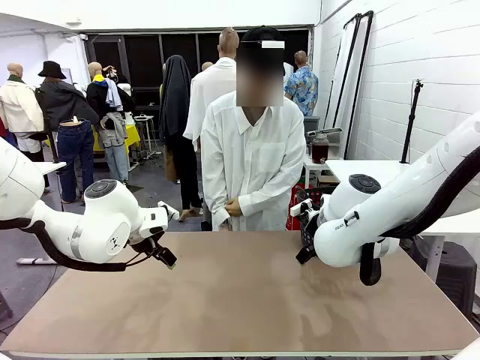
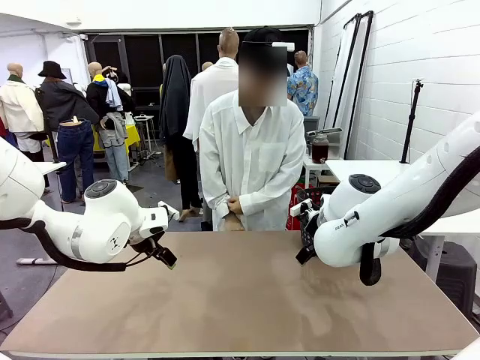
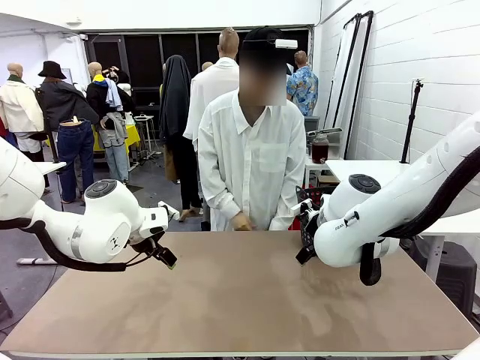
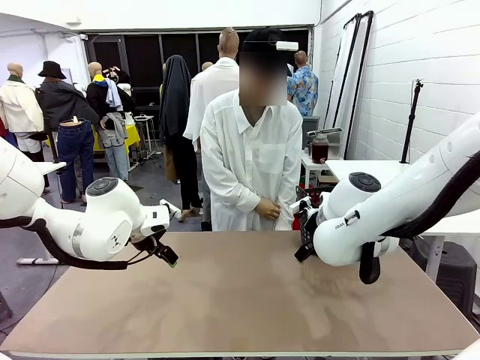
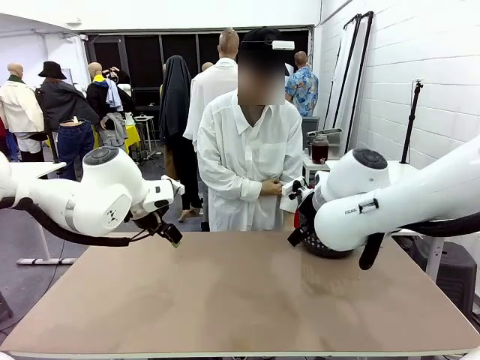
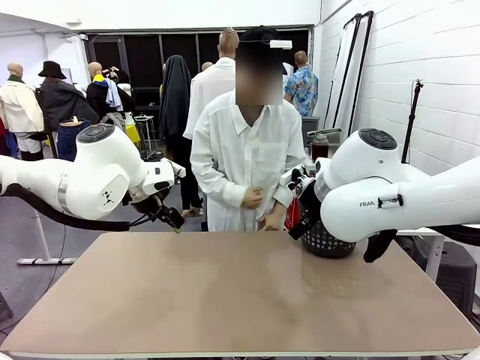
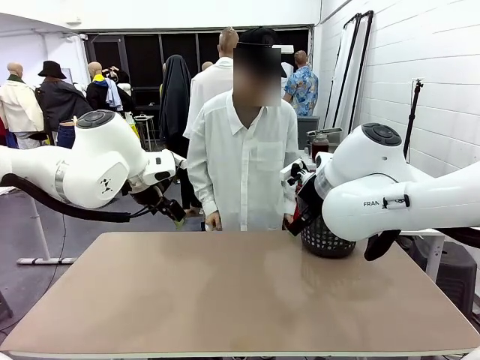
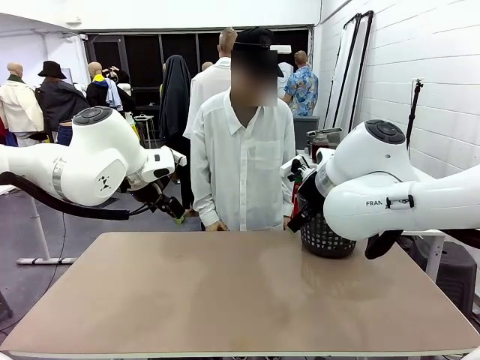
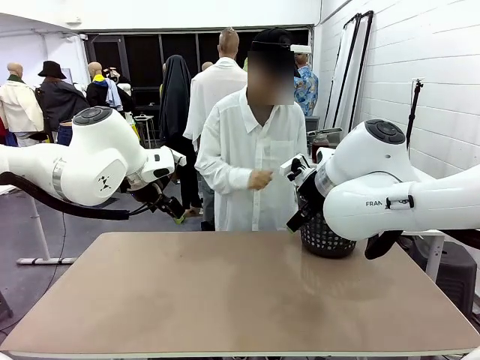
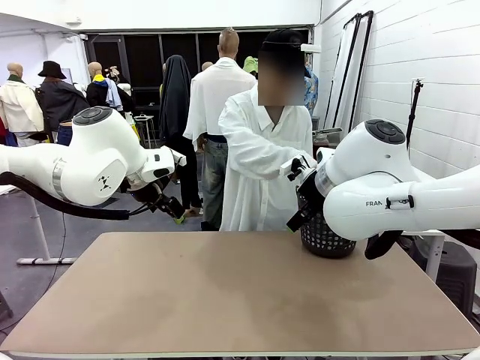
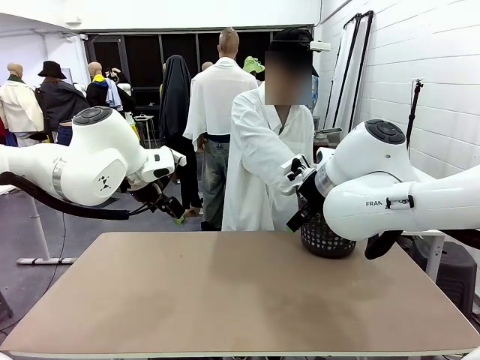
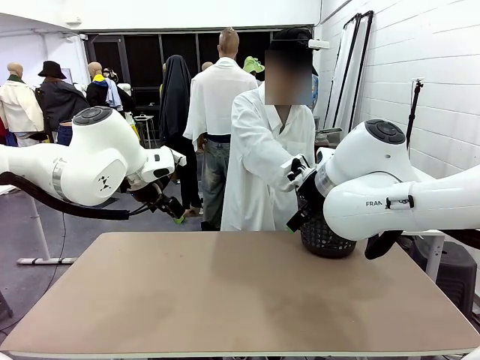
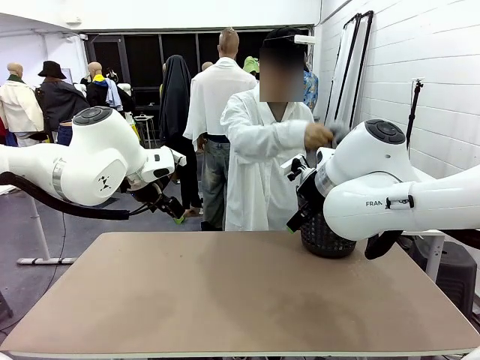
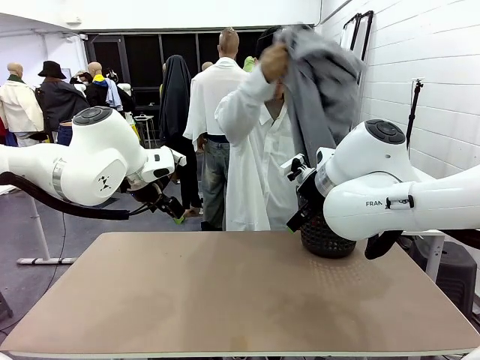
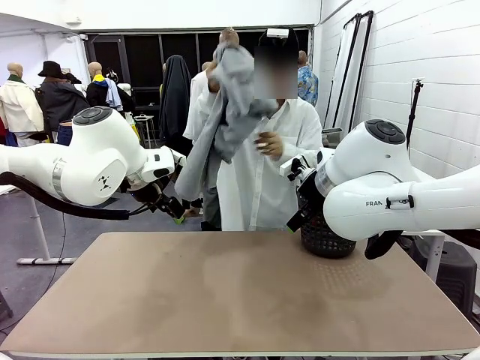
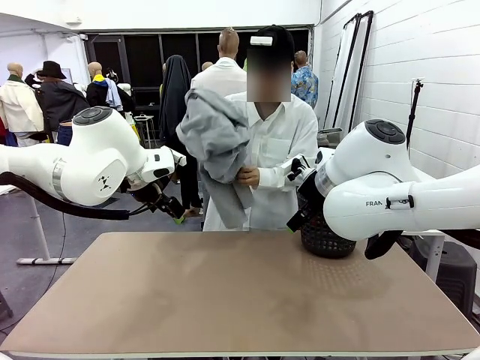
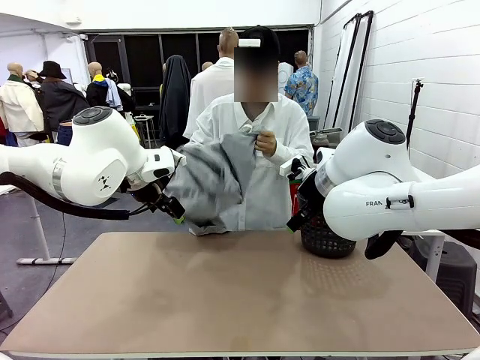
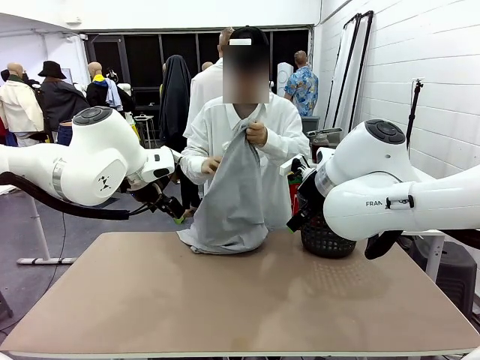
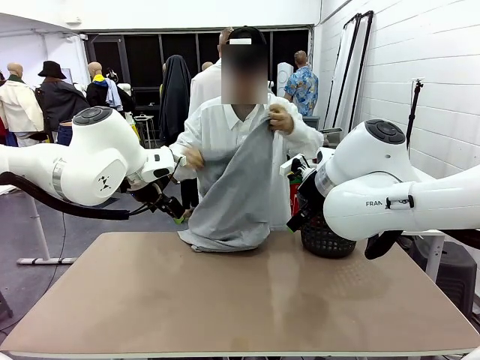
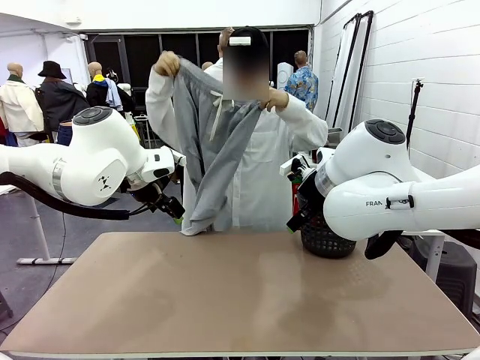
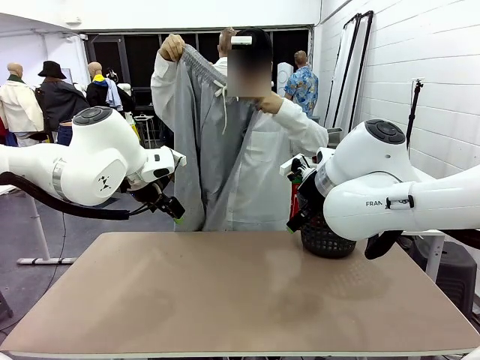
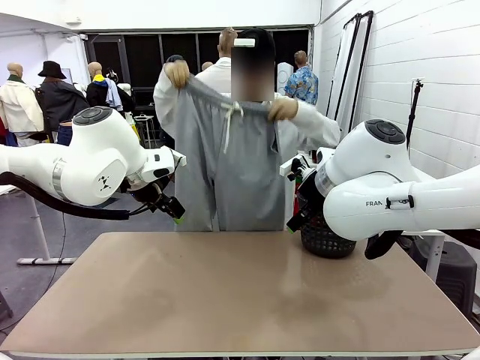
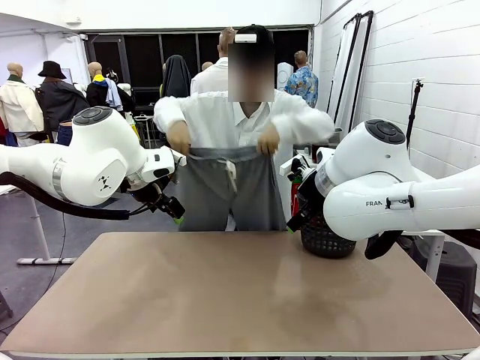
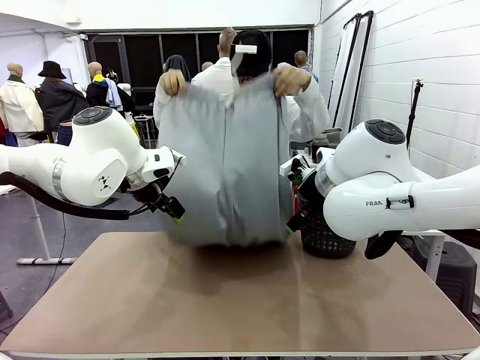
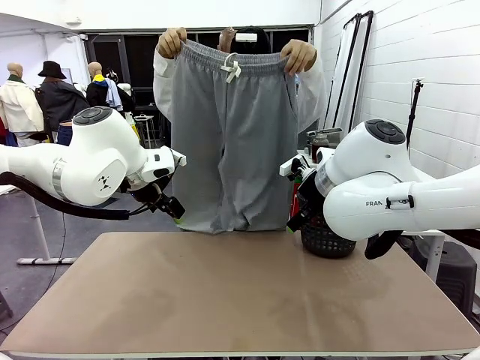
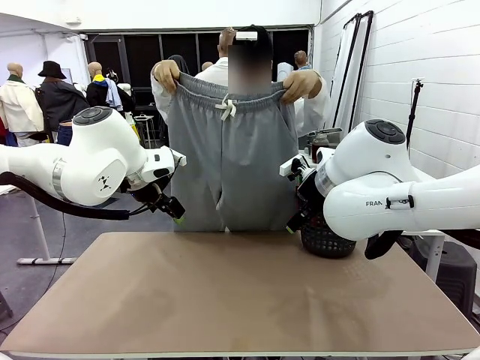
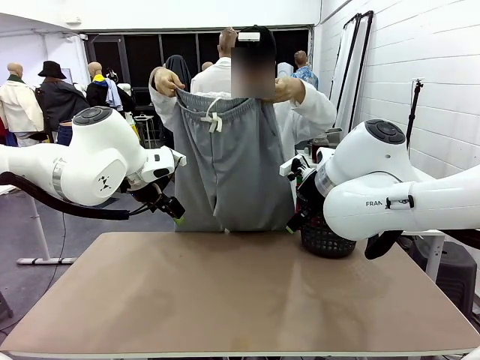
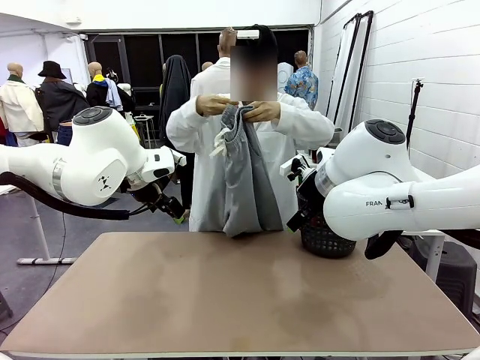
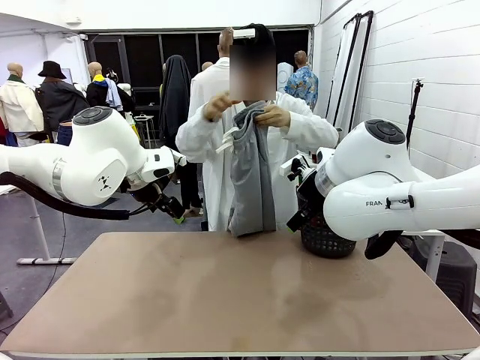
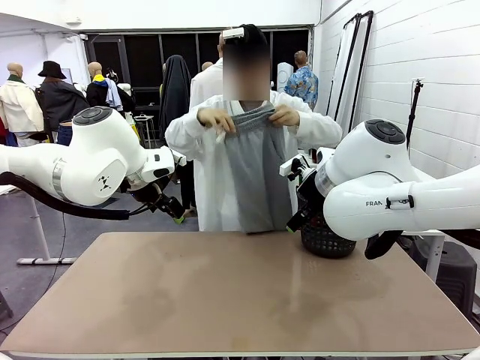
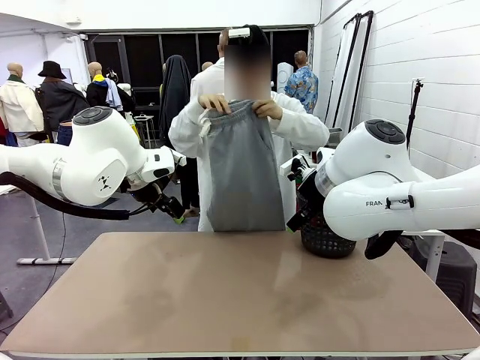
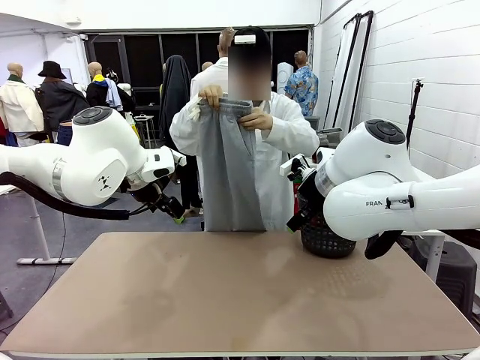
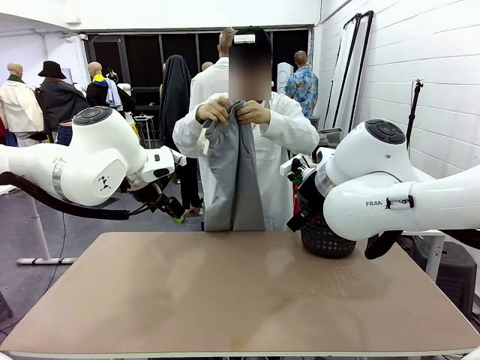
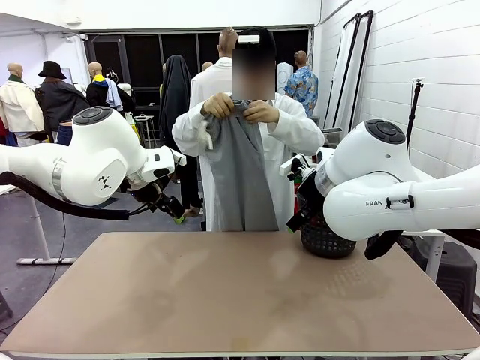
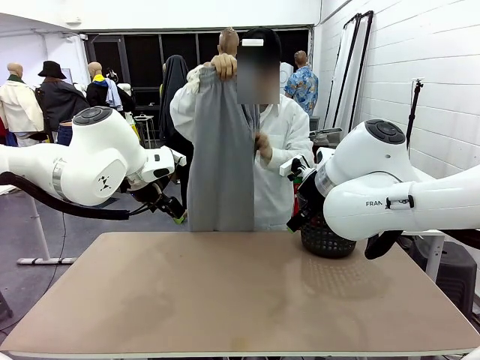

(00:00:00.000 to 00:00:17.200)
Task: Fold the training pants.
Robot: Grab both ends of the Training pants handed by a person.
Person: Take the long pants out of the laundry basket, unfold them, fold the waist in half, and extend them so the robot can pick up both corners.
